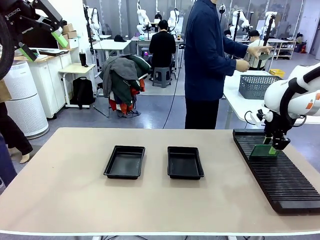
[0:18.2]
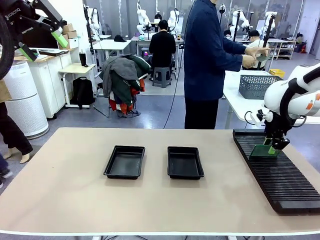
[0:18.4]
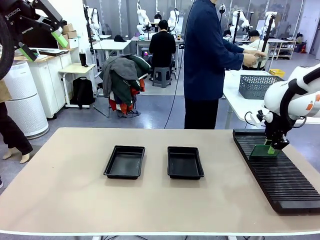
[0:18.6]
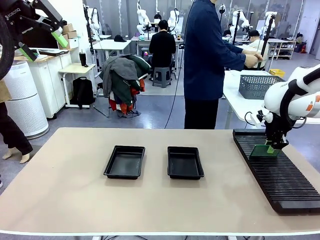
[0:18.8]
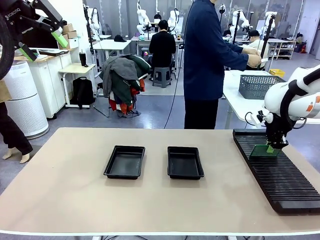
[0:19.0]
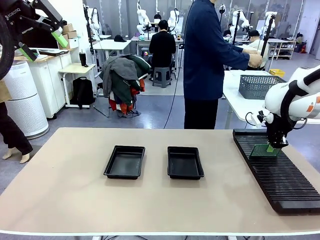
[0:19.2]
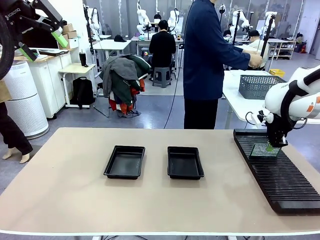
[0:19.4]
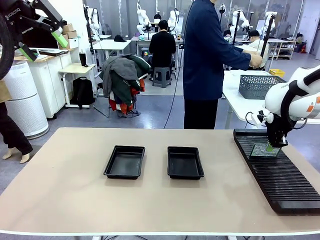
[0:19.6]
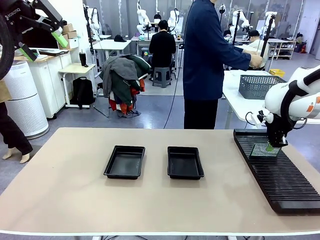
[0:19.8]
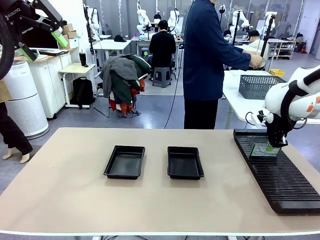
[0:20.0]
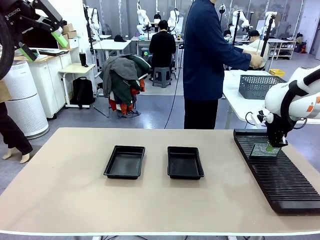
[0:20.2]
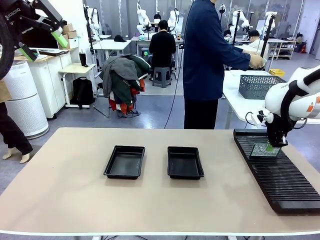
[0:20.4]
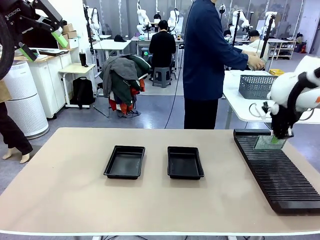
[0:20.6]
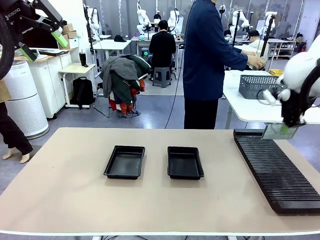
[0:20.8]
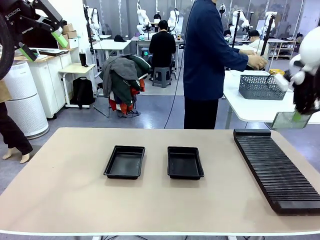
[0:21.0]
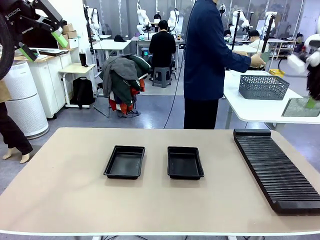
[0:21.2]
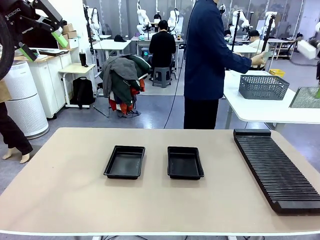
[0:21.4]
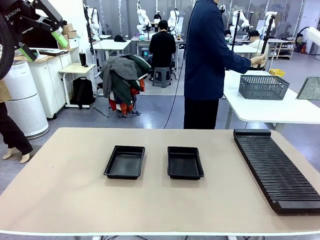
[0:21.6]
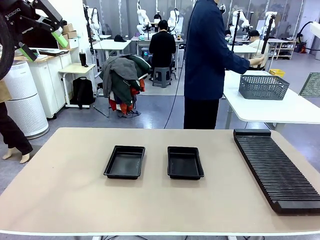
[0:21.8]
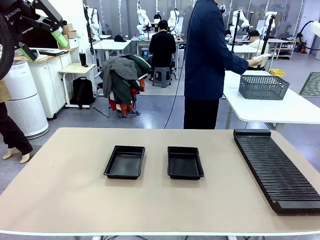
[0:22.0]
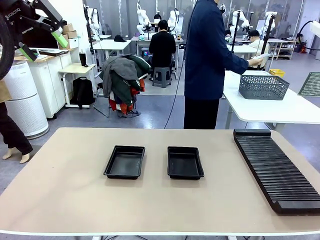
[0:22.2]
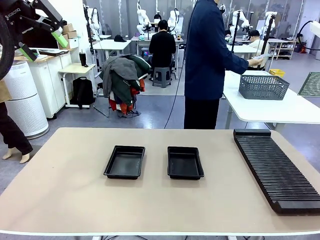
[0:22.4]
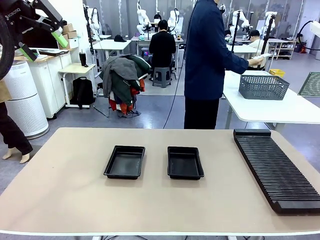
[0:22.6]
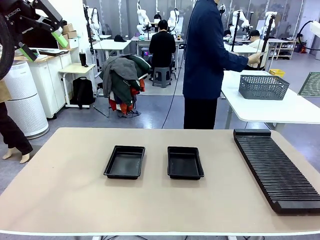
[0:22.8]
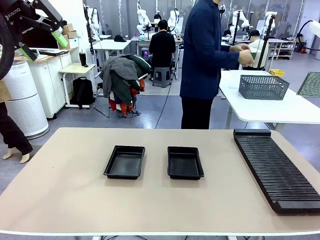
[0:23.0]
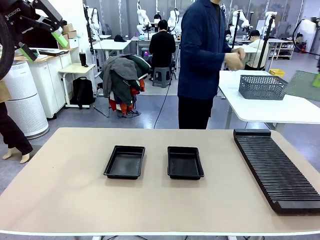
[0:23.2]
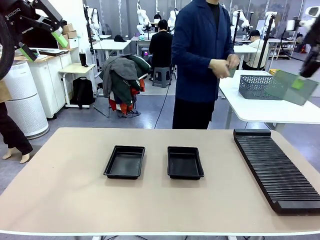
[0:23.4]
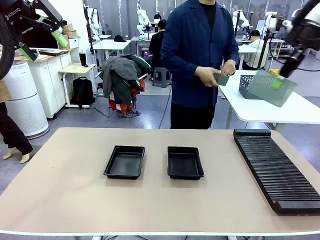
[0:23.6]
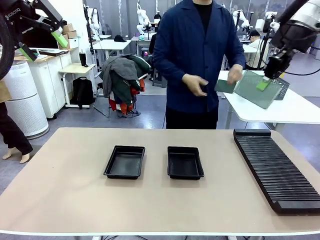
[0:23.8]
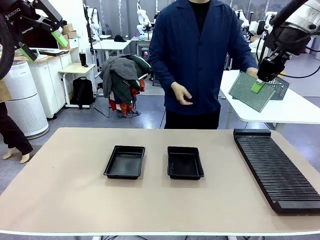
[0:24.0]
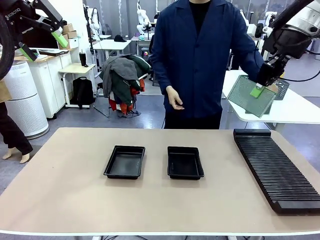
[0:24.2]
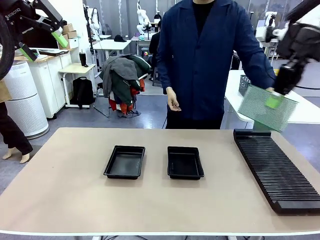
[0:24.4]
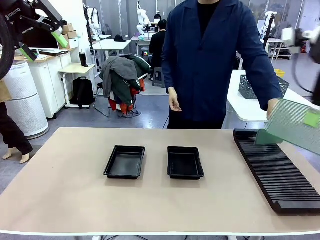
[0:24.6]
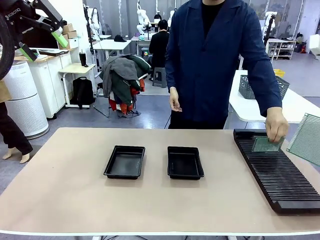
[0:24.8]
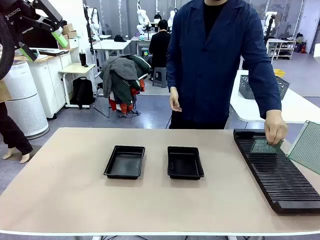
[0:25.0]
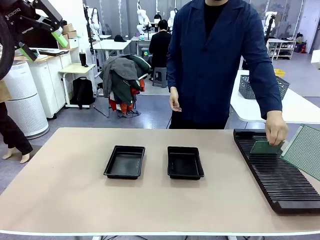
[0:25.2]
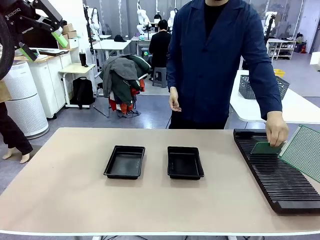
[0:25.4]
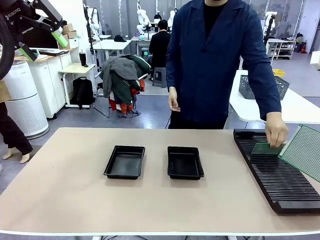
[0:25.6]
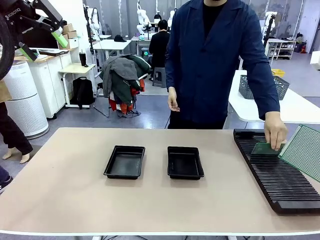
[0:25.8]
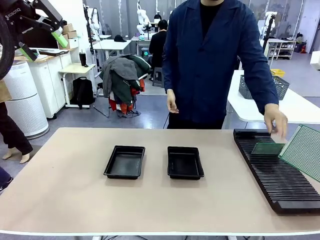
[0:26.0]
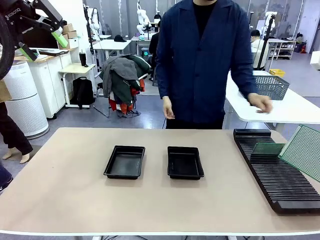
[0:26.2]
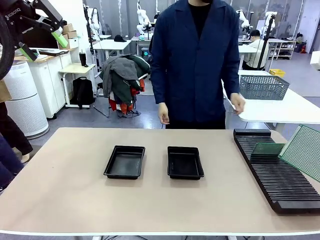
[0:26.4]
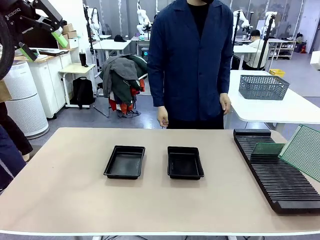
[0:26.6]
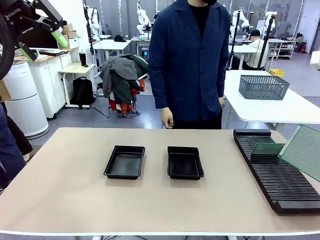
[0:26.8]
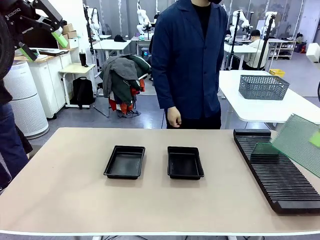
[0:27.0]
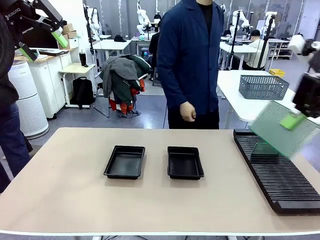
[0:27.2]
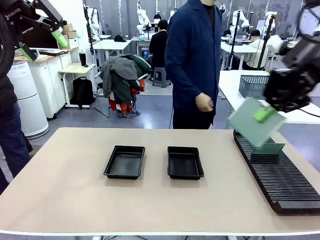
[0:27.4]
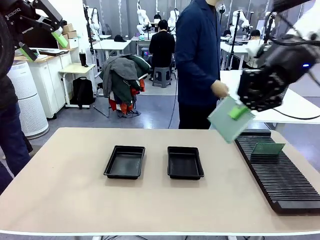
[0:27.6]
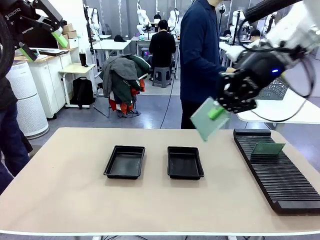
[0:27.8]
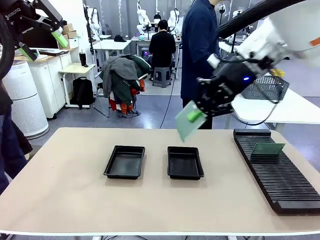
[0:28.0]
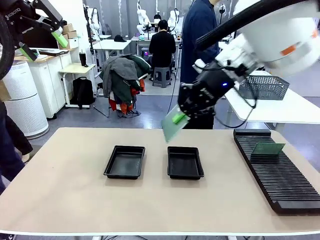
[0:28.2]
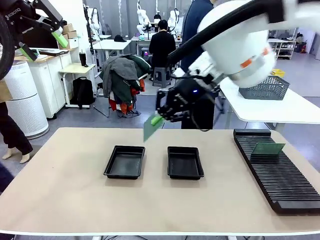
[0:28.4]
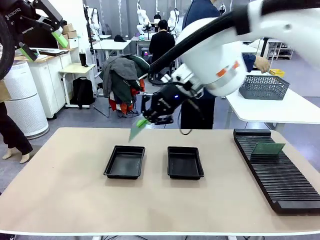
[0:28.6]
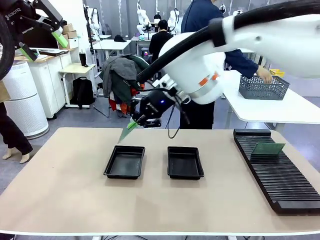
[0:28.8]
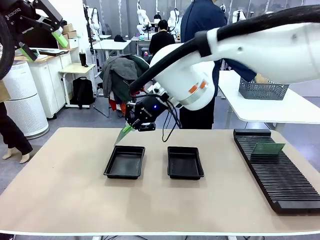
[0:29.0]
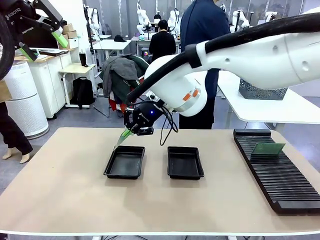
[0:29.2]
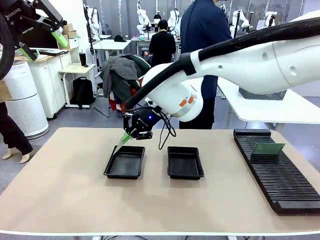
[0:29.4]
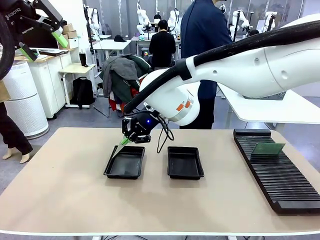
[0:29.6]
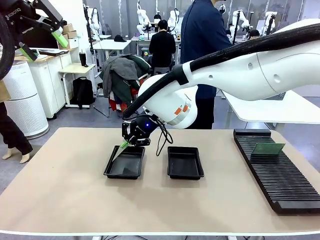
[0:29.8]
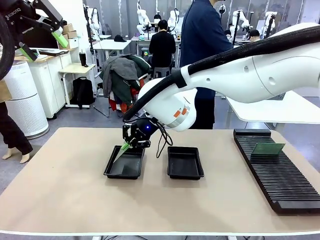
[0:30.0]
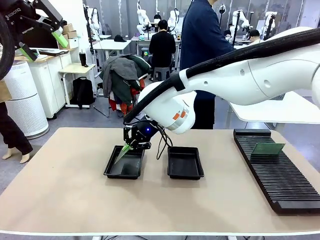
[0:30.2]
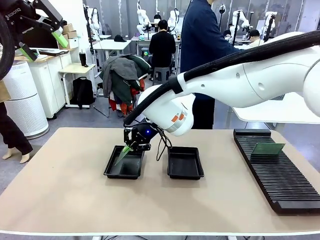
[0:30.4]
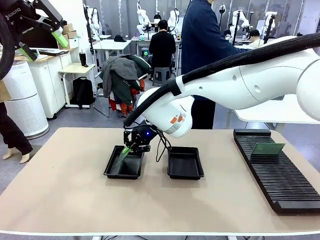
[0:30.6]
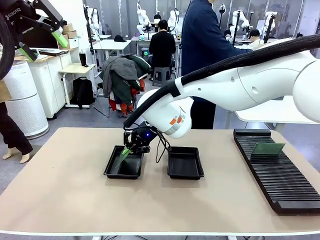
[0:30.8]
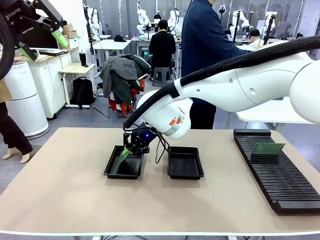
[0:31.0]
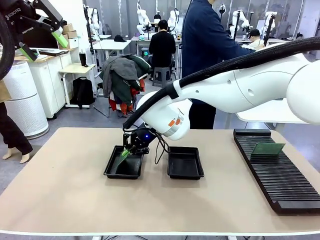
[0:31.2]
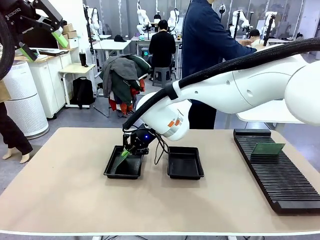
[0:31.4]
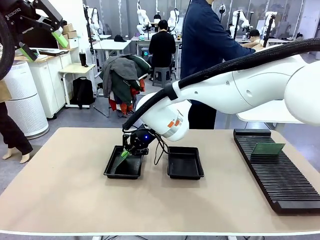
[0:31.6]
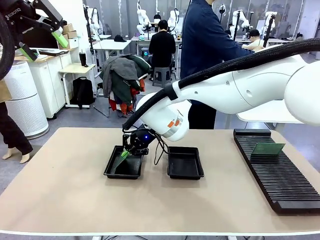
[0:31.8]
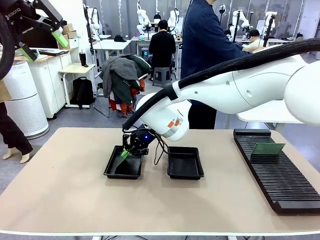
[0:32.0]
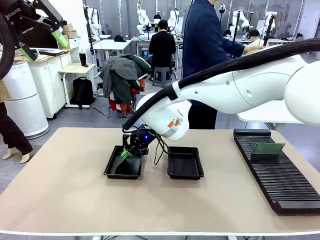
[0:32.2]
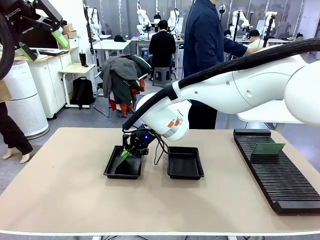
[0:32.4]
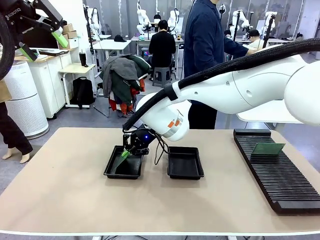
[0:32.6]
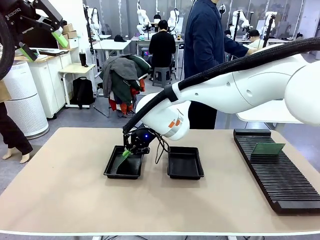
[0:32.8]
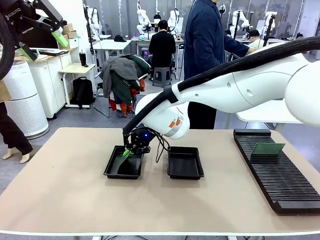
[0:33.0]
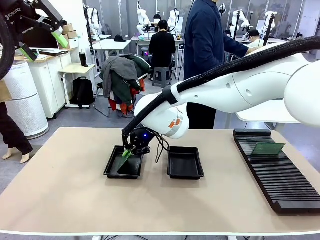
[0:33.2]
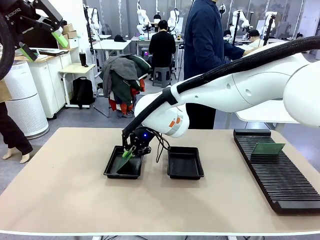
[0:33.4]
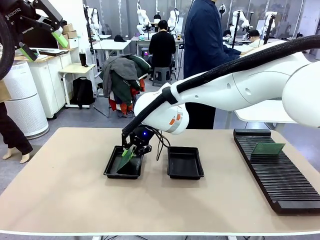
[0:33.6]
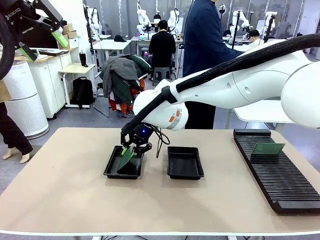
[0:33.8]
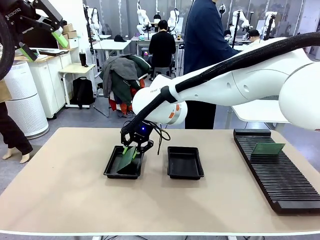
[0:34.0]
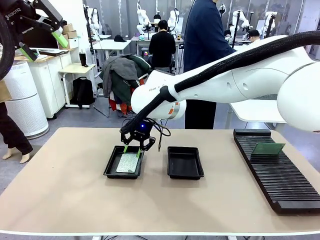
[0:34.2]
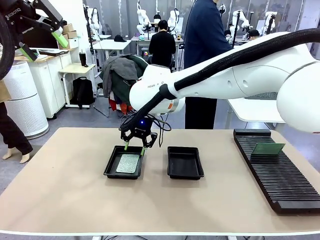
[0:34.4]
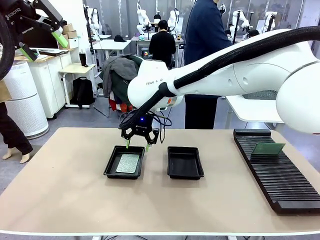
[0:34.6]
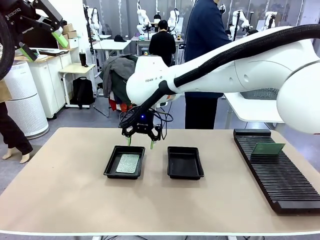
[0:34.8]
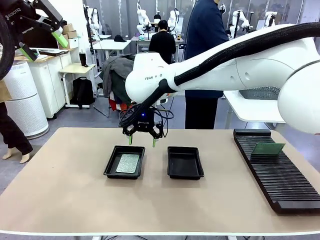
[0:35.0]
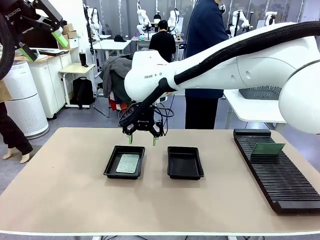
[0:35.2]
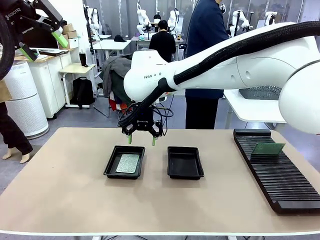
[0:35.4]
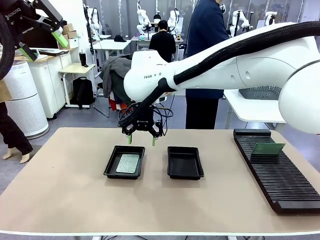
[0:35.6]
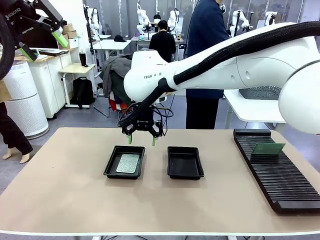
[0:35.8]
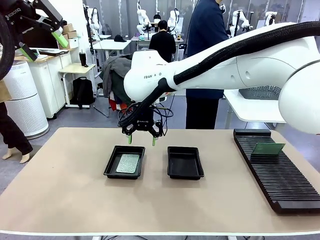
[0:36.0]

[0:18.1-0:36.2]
Task: Inspect and transfer BCBs to ESD trays.
Robot: Pick up the Blank PCB from the PCB Rack and place it in the left ESD tray.
